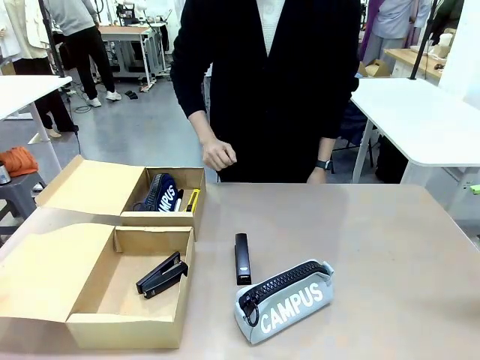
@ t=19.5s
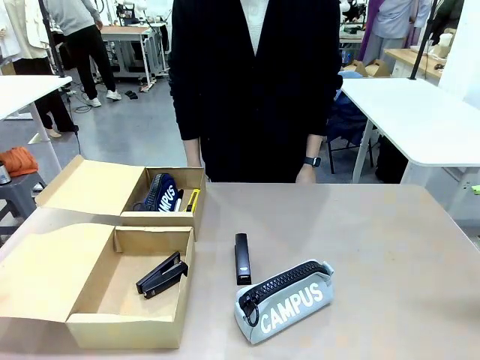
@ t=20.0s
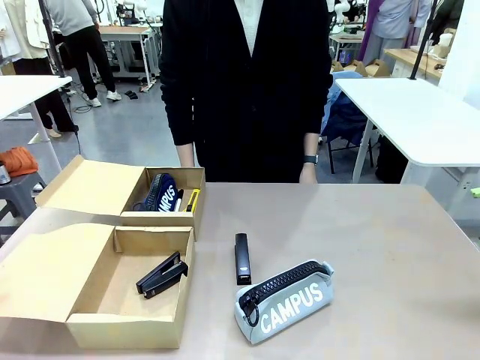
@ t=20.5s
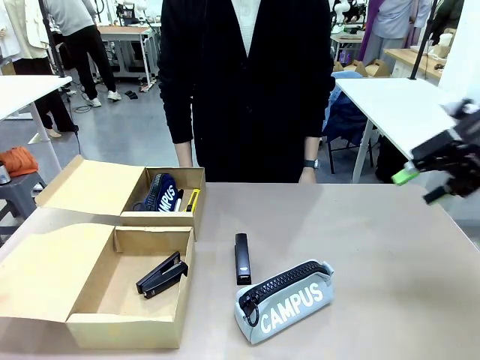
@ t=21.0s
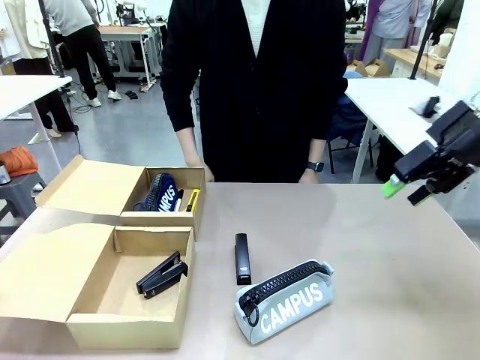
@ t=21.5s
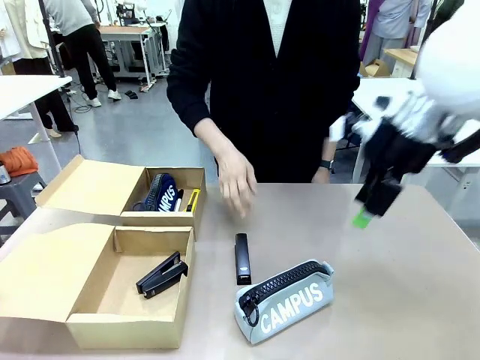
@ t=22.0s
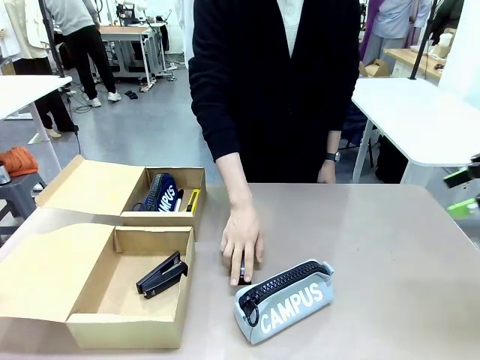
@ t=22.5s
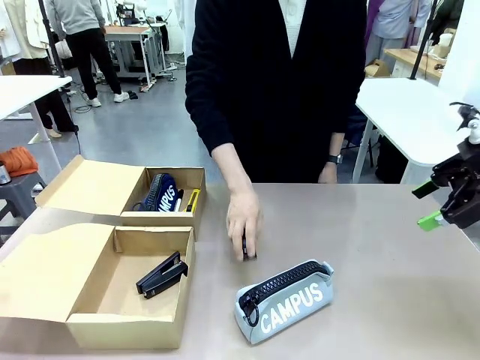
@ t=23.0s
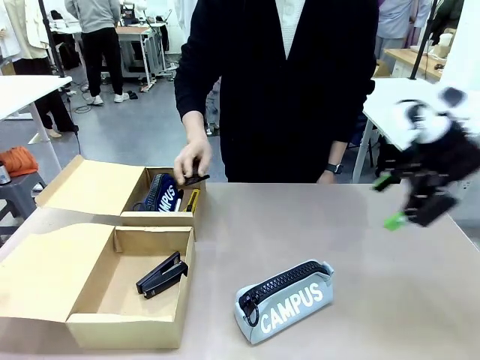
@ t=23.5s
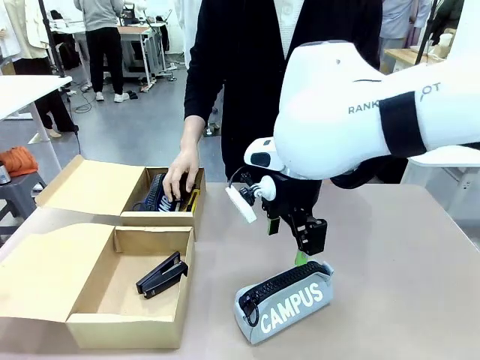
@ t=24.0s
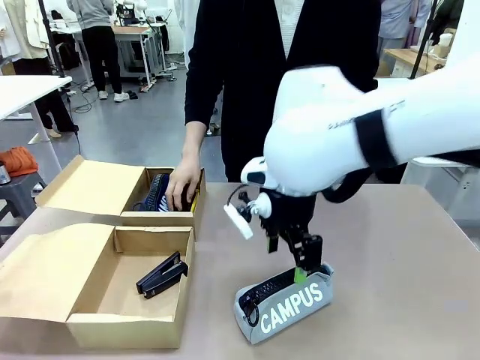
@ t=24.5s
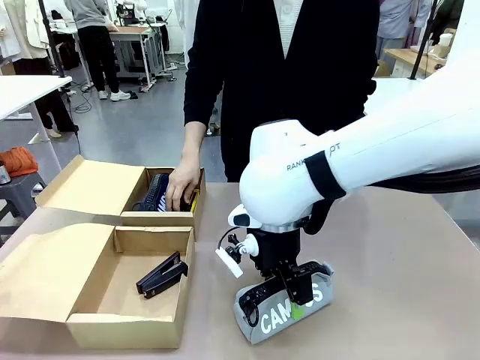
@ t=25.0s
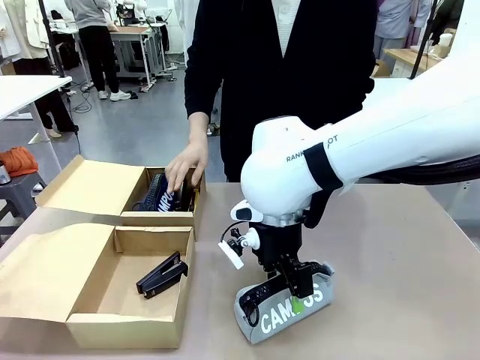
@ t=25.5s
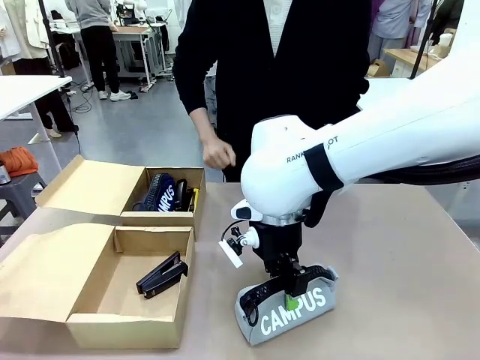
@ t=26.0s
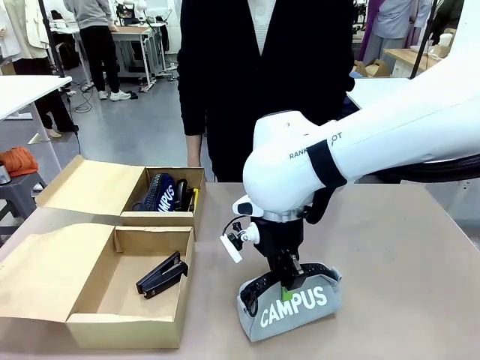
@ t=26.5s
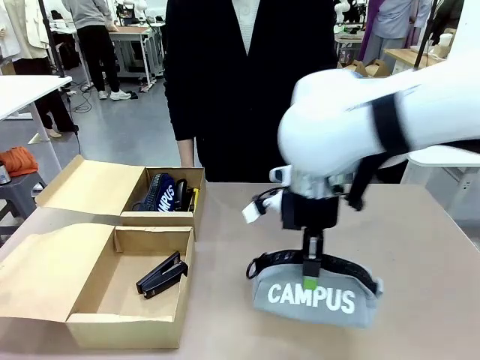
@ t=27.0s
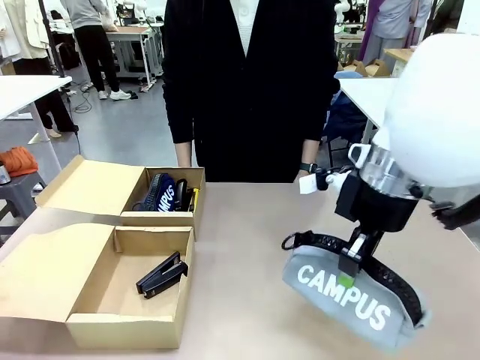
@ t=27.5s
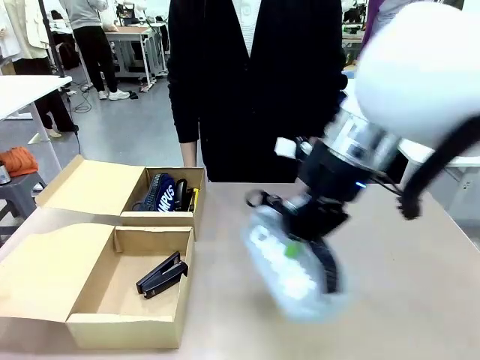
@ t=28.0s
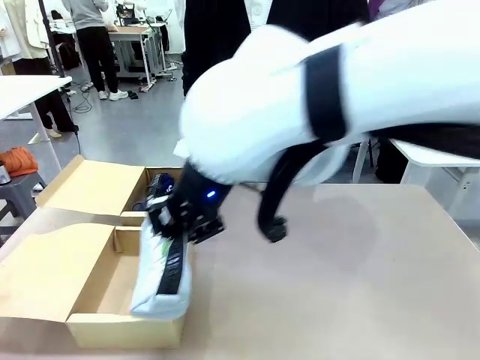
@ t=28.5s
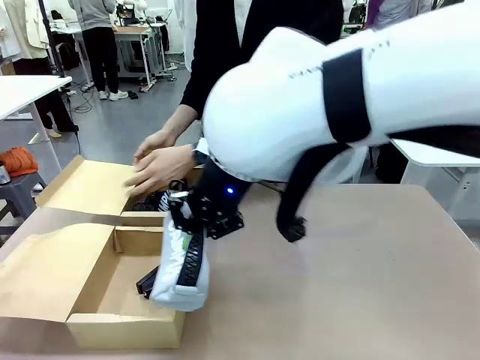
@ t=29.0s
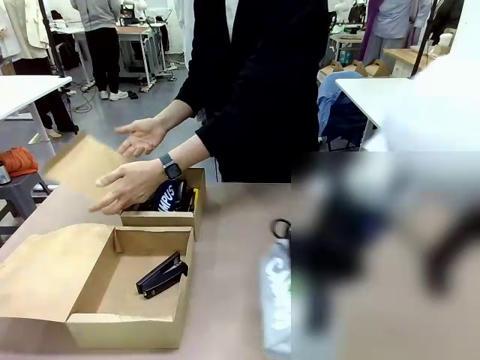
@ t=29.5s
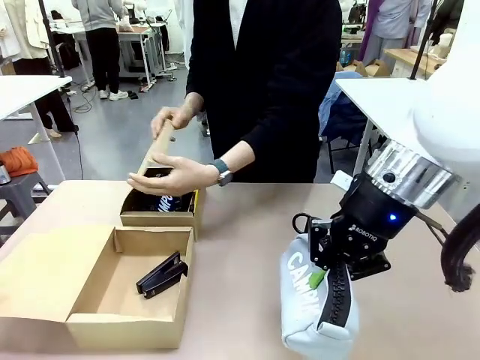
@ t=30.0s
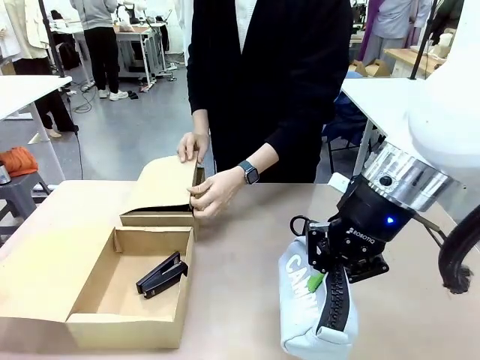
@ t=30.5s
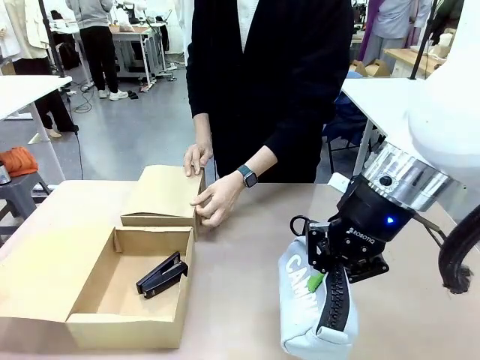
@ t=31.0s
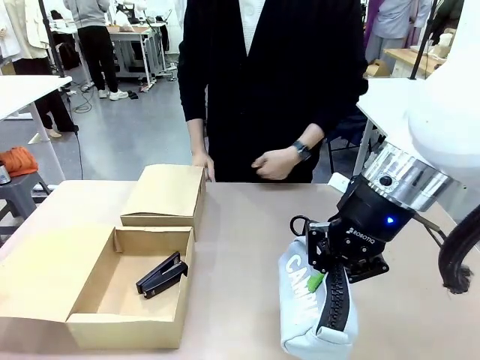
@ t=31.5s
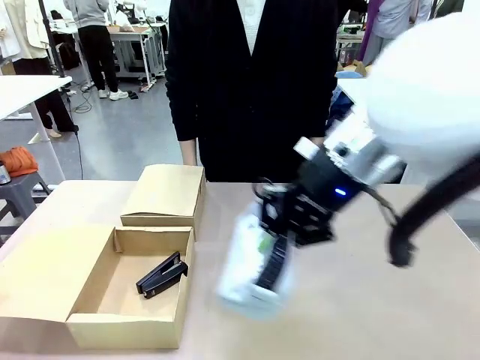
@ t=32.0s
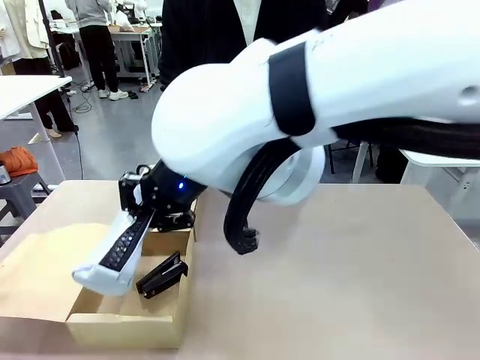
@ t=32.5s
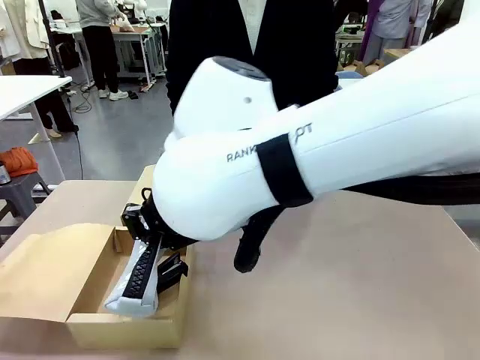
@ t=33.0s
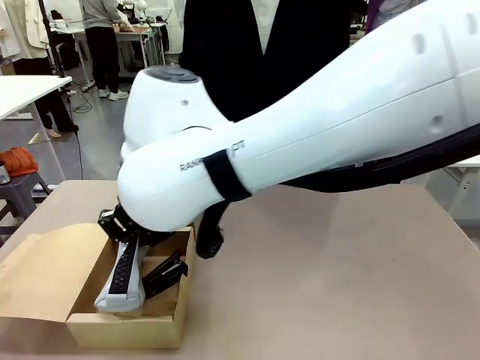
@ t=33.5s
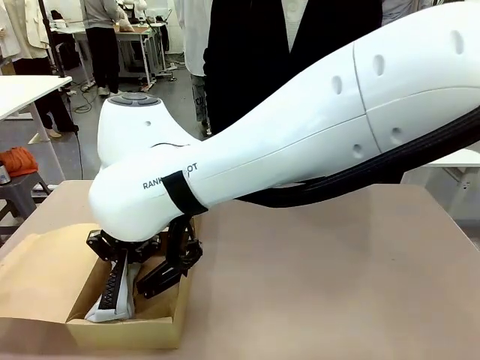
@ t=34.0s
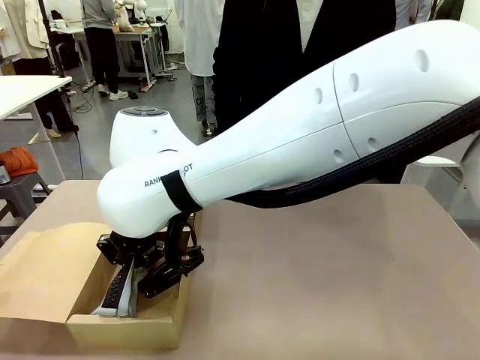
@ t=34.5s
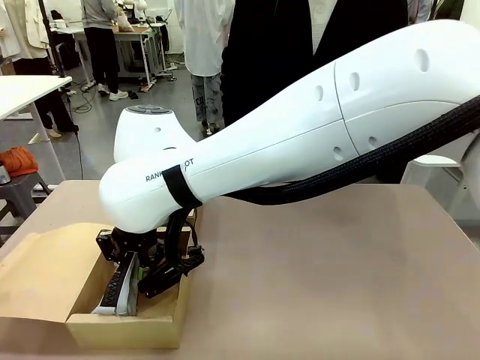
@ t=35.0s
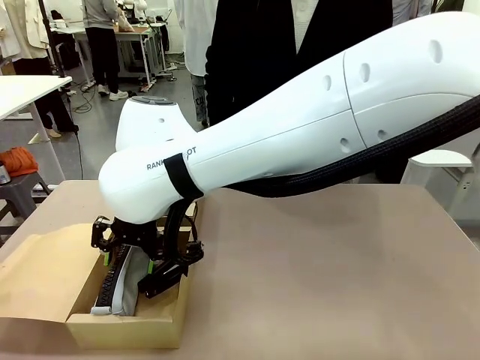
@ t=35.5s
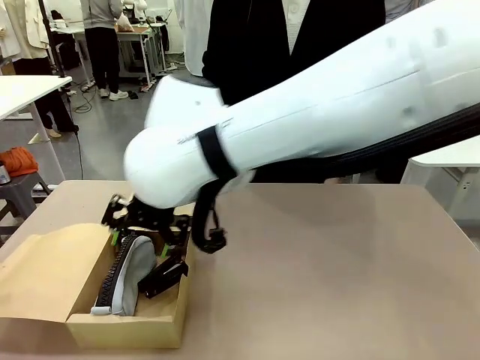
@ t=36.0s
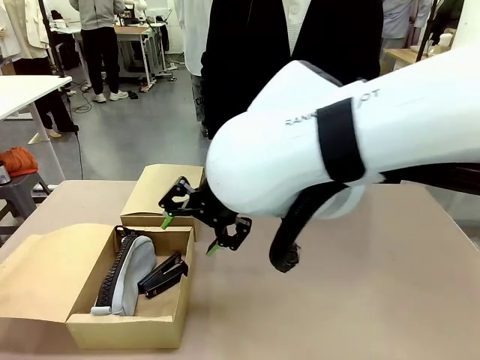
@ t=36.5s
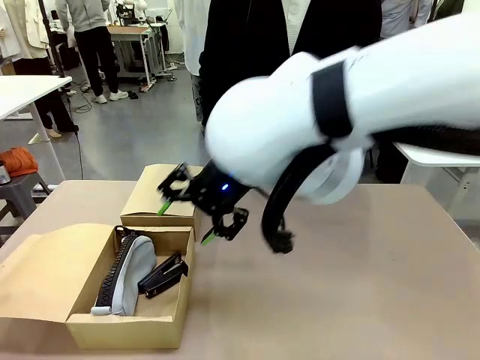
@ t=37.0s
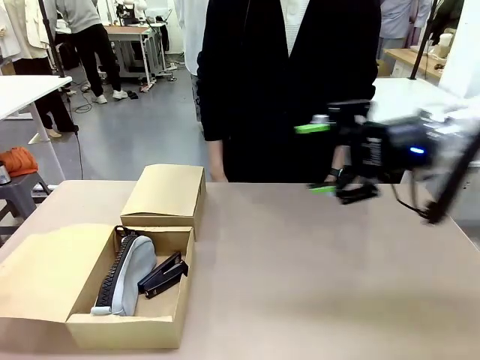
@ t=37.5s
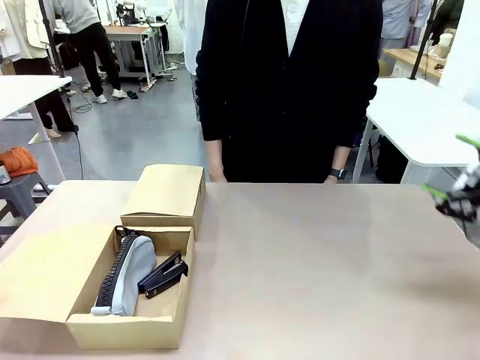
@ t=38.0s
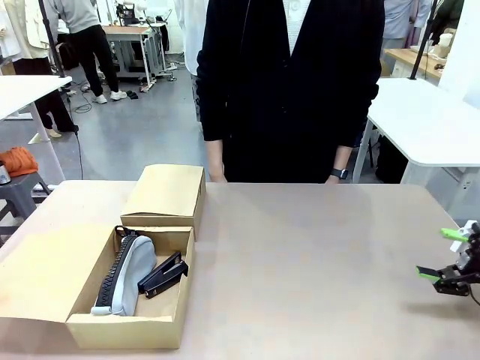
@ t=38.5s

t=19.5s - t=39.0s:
Task: Place items inside the box.
Robot: Pick up a Pencil pouch or Stapler and place it inside the Mailer Box closest to the robot.
